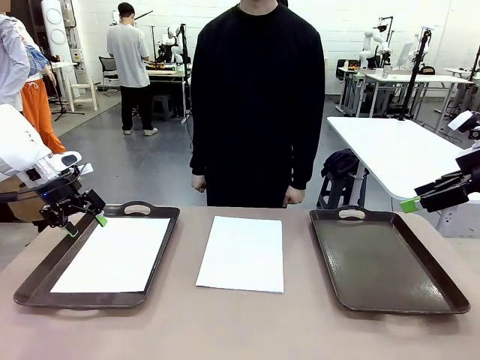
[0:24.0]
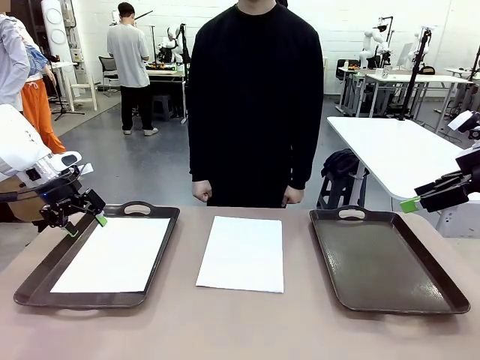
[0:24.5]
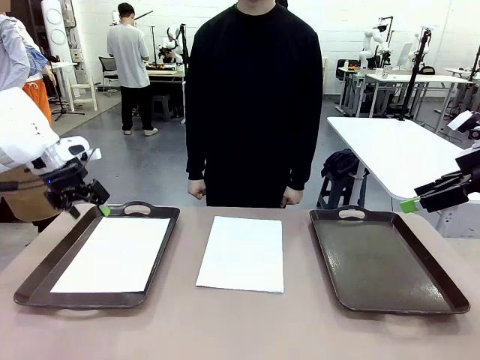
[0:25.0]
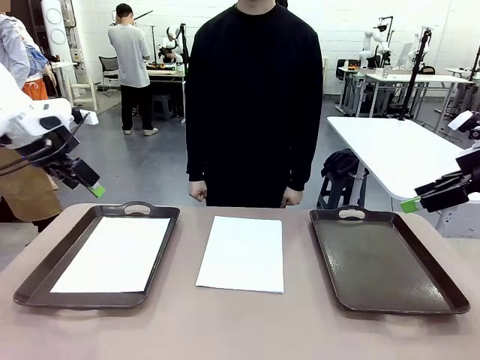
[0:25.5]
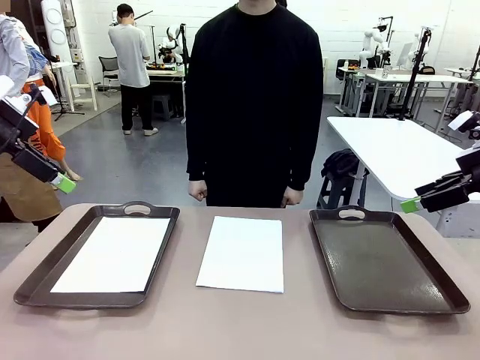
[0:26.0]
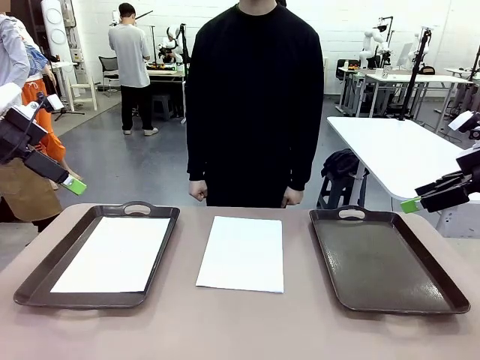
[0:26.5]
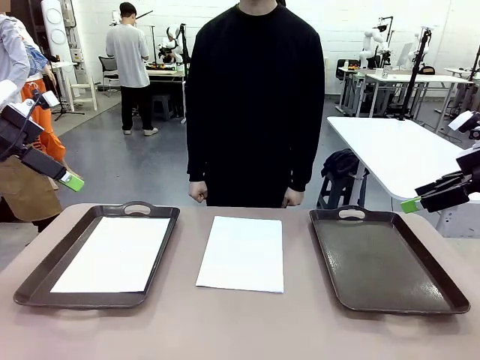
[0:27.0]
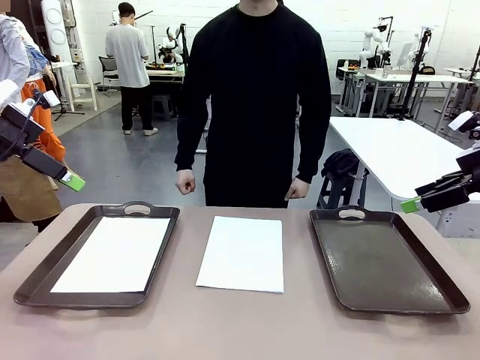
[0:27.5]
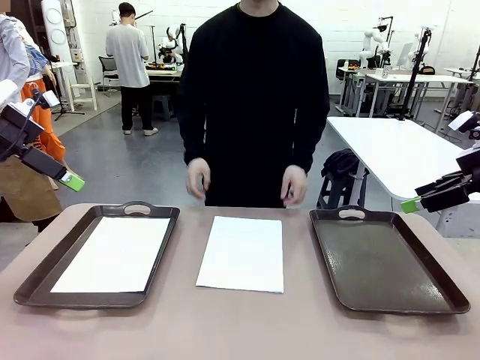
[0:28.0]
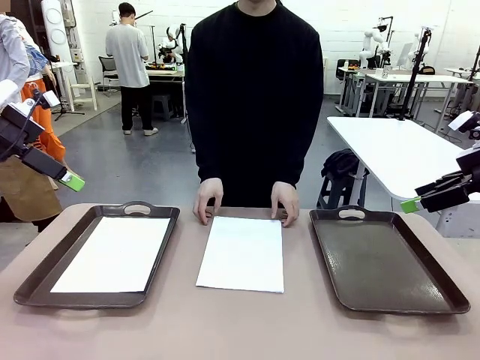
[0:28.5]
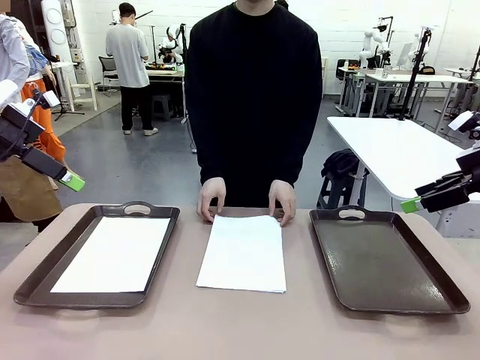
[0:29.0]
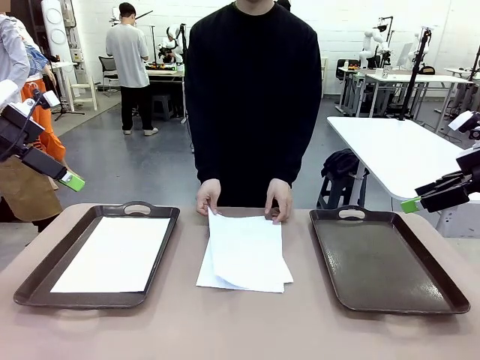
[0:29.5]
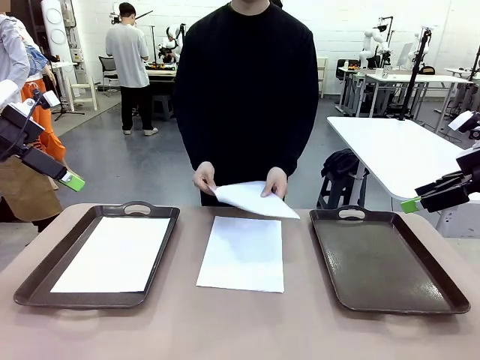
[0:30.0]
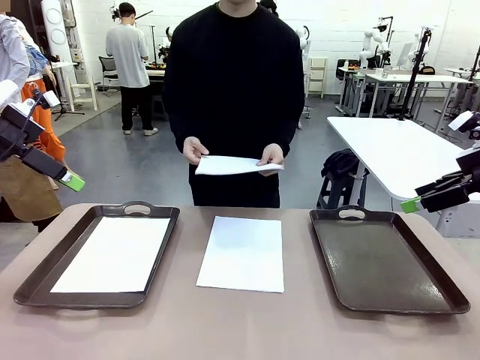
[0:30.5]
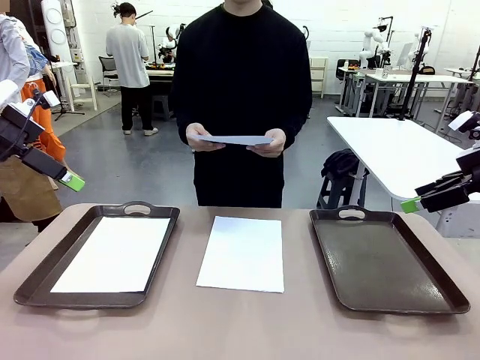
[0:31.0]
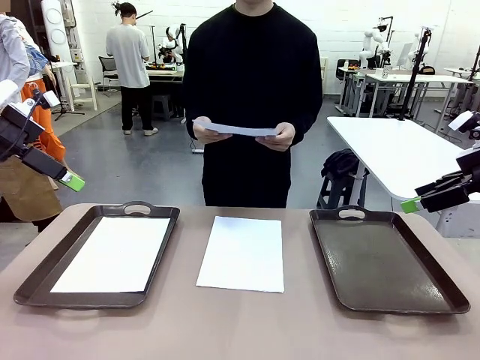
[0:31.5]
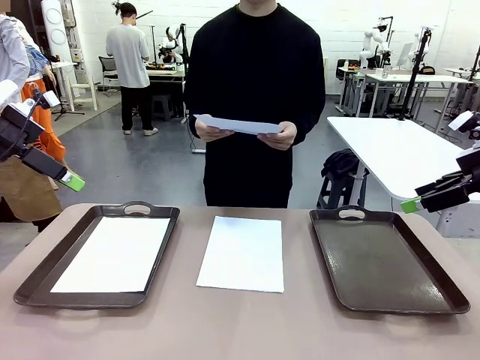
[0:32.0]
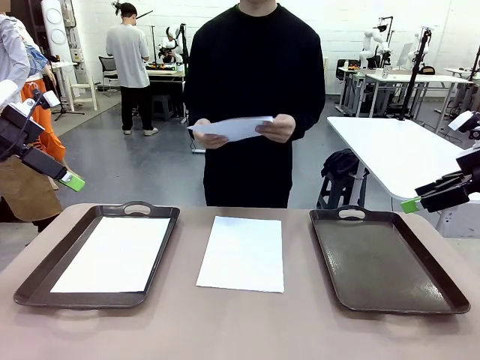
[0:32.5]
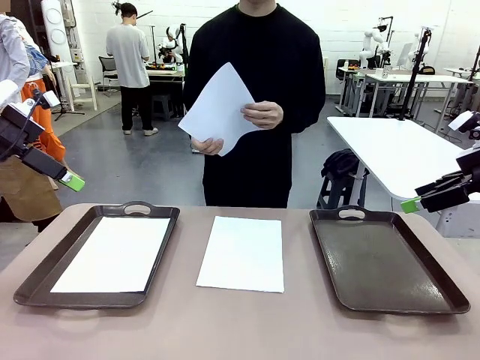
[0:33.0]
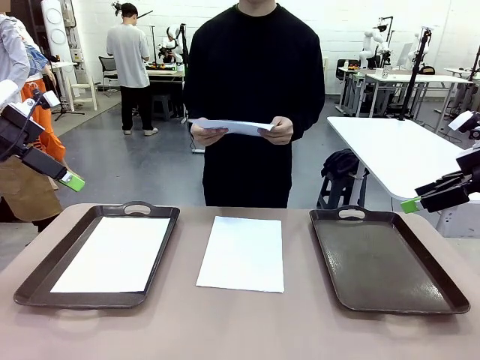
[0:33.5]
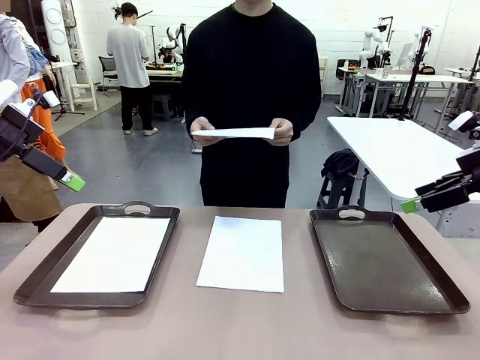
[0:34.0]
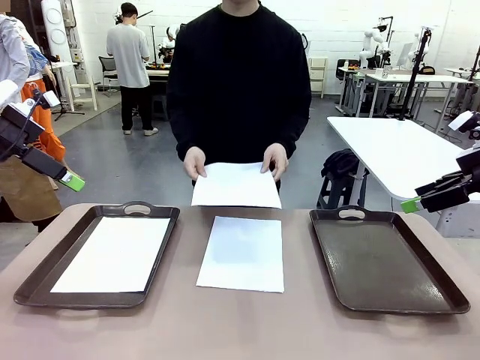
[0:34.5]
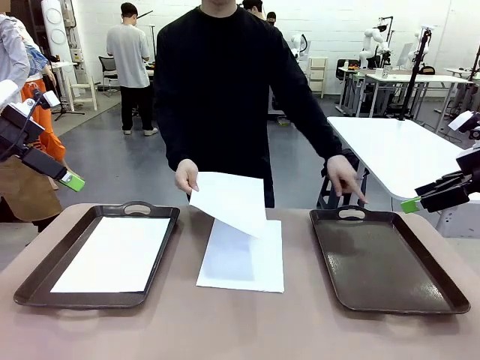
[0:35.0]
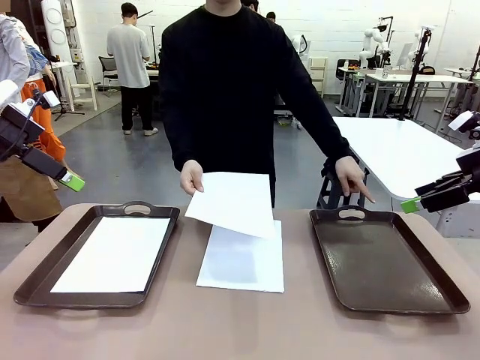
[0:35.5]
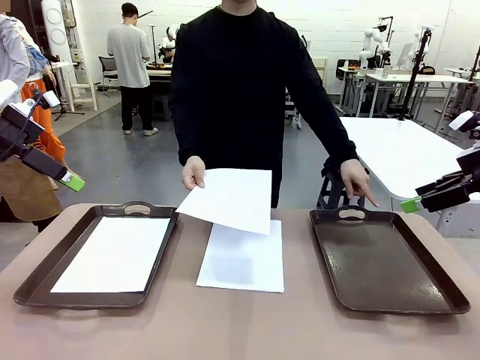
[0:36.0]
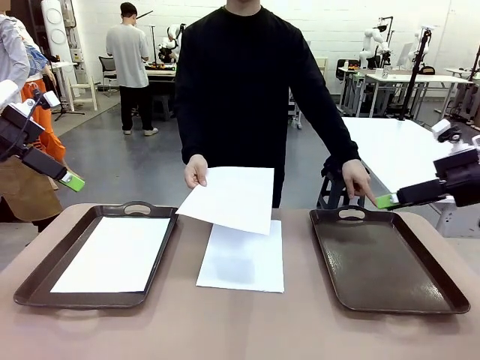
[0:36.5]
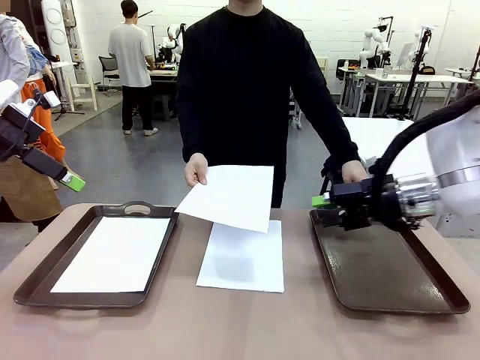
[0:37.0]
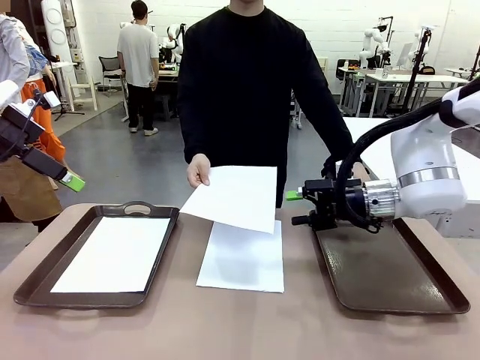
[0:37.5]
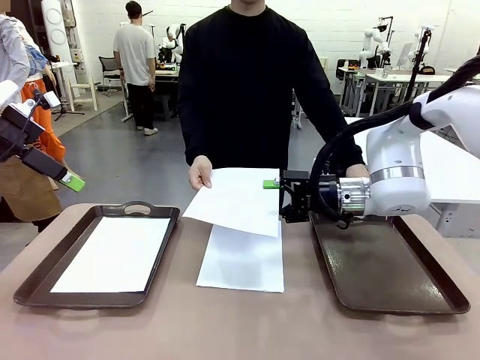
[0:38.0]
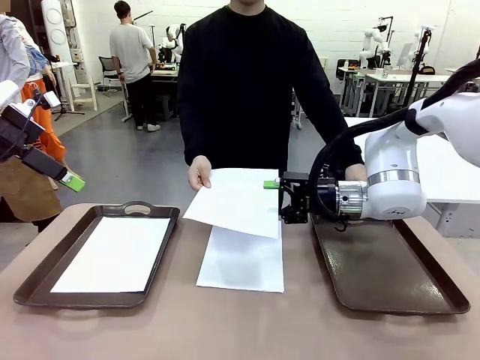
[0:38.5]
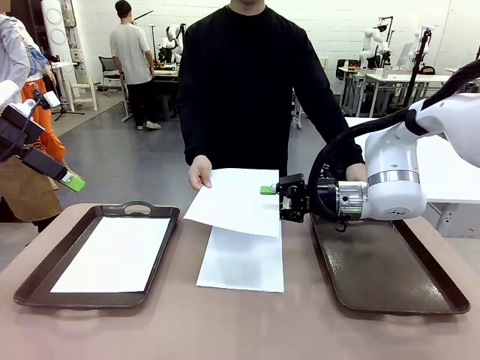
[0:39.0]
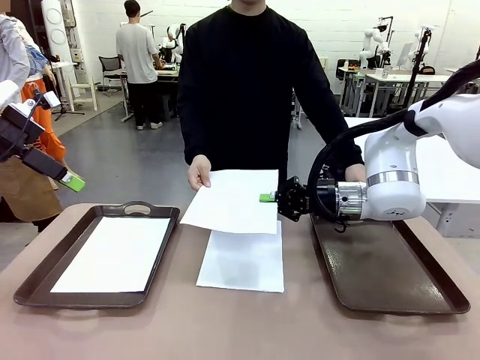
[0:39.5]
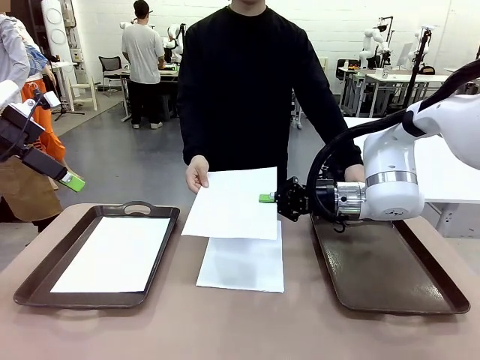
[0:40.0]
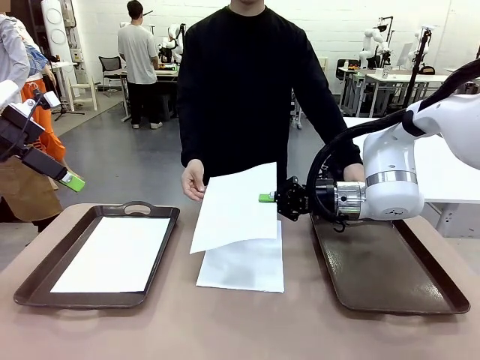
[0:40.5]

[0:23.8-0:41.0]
Task: Sort the A4 documents.
Robot: Receive the A4 Paper.
Person: Point the randomly selected tray with the other hand.

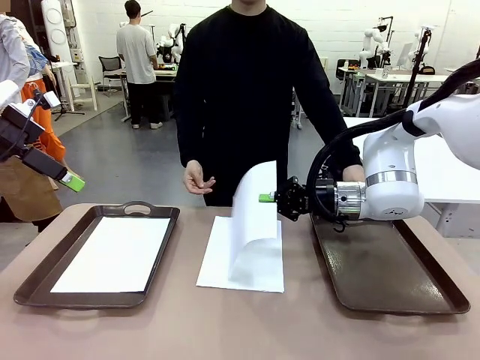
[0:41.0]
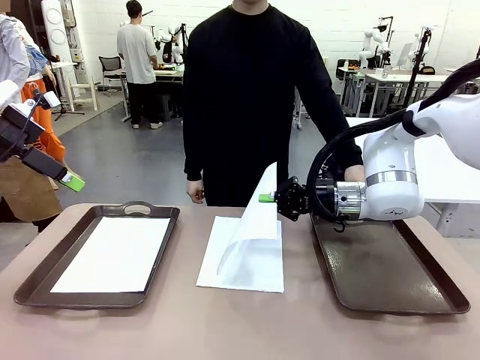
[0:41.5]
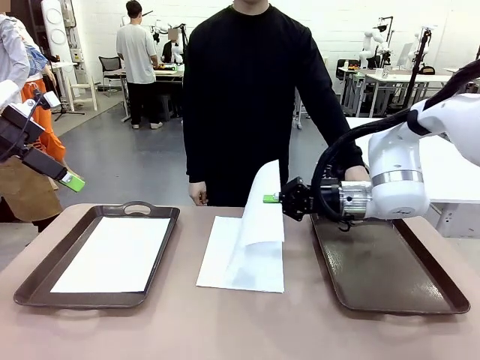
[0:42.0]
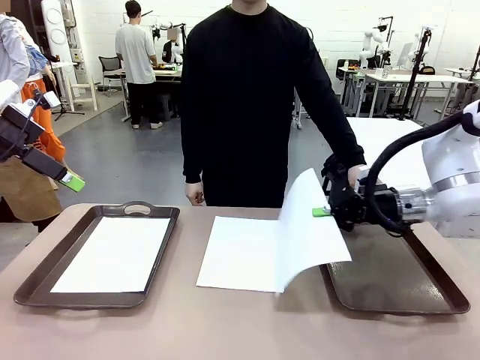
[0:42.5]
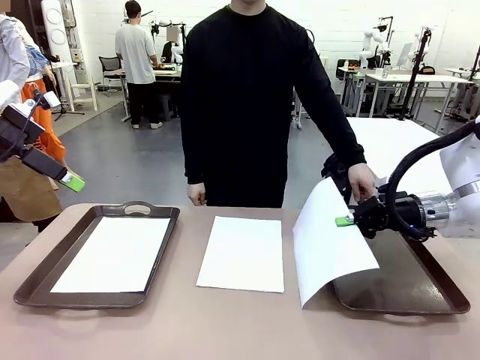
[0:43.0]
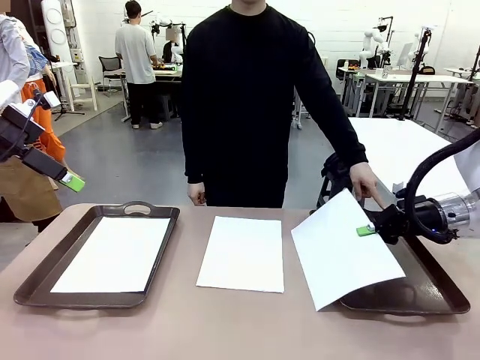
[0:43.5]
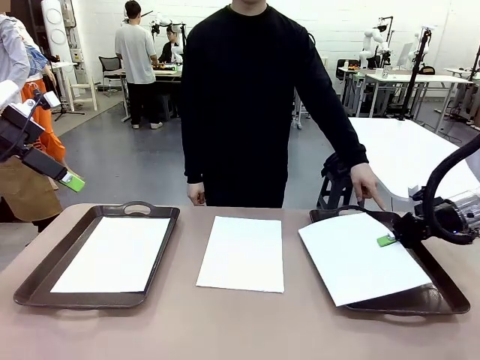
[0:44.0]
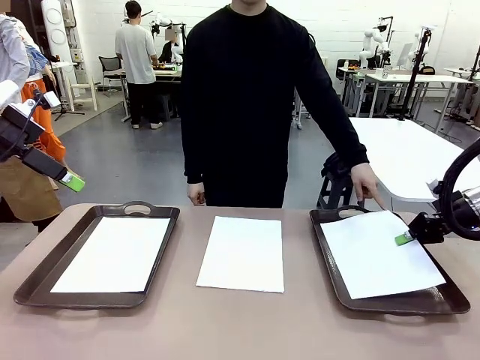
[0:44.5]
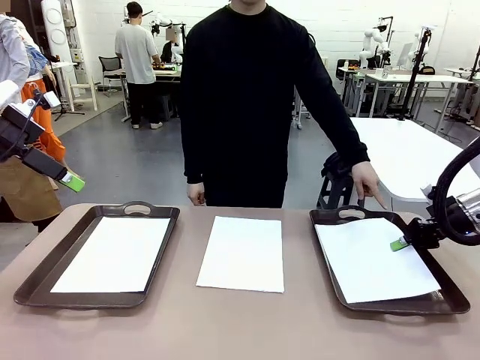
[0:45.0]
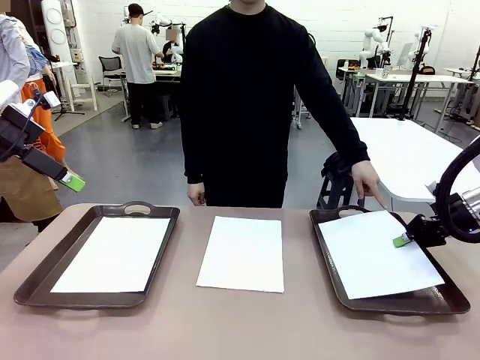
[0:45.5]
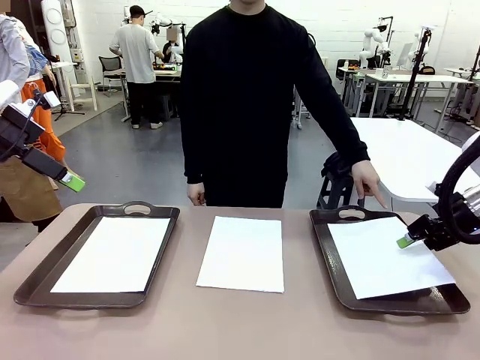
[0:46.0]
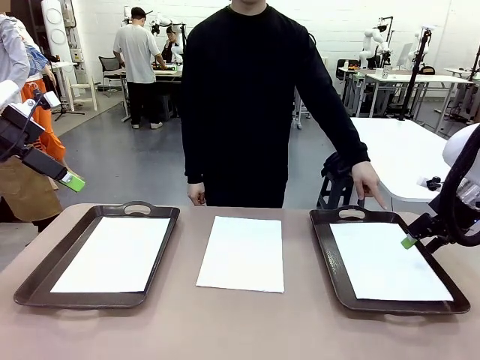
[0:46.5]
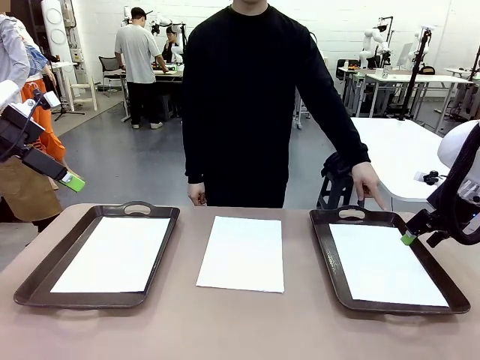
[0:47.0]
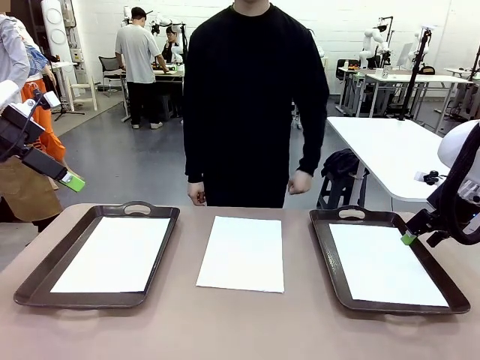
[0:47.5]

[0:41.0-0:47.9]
Robot: Place the A4 Paper in the designated Handle tray.

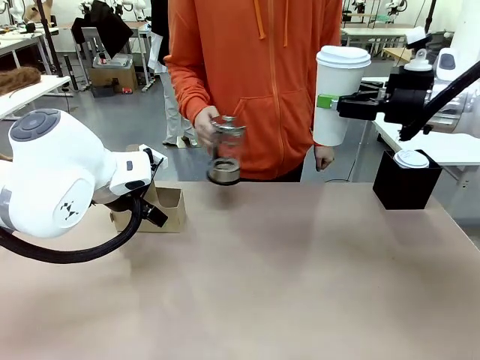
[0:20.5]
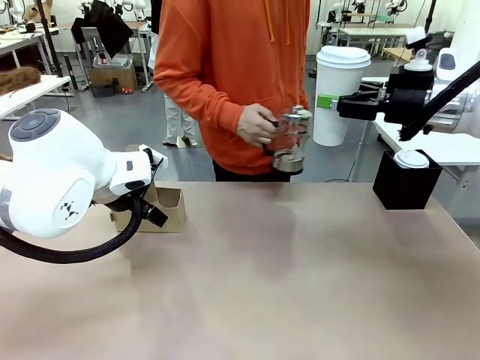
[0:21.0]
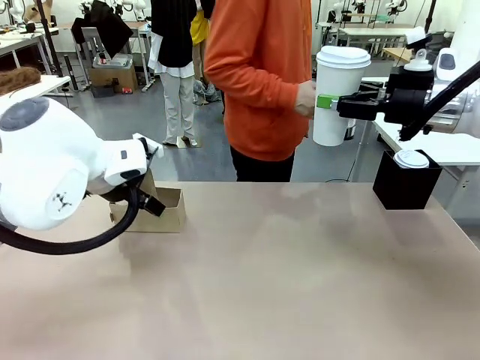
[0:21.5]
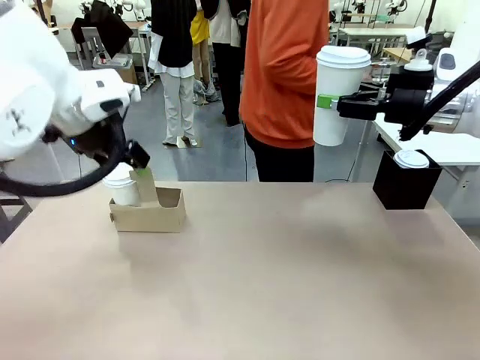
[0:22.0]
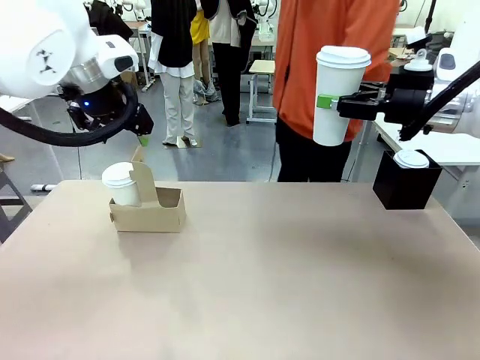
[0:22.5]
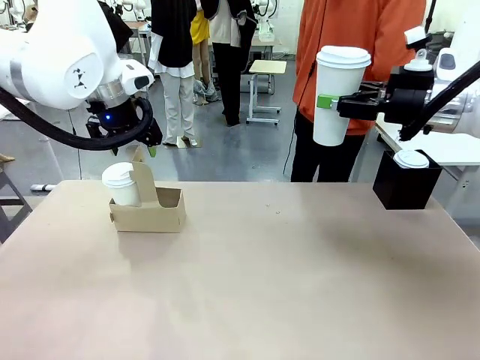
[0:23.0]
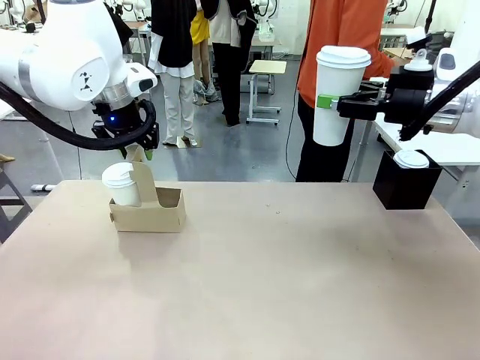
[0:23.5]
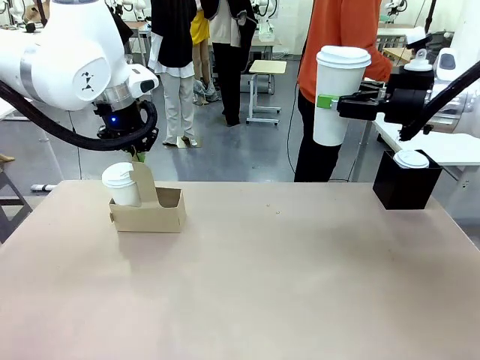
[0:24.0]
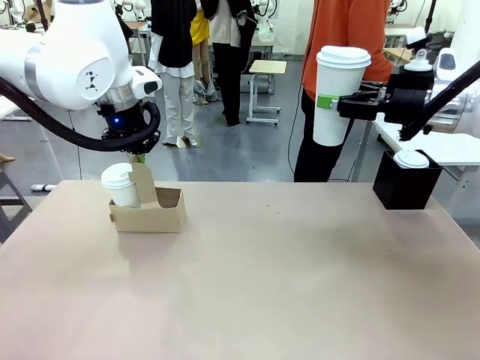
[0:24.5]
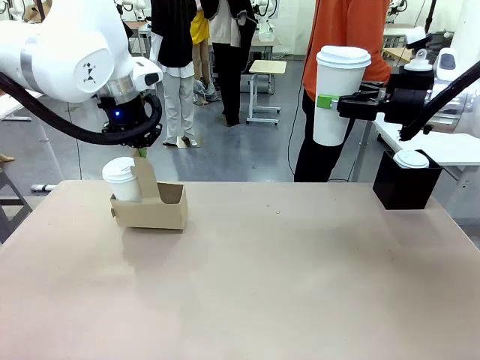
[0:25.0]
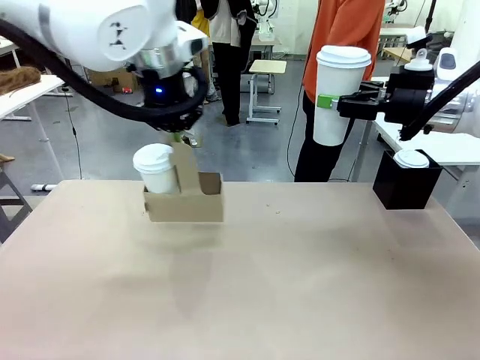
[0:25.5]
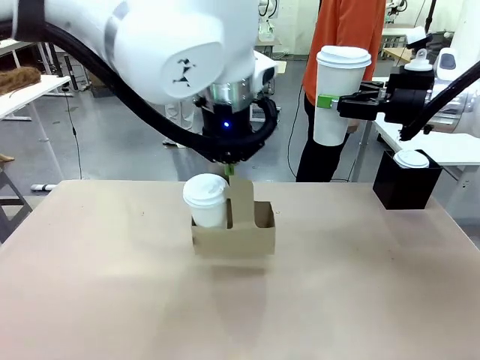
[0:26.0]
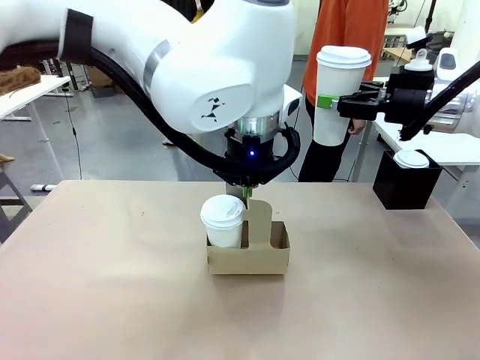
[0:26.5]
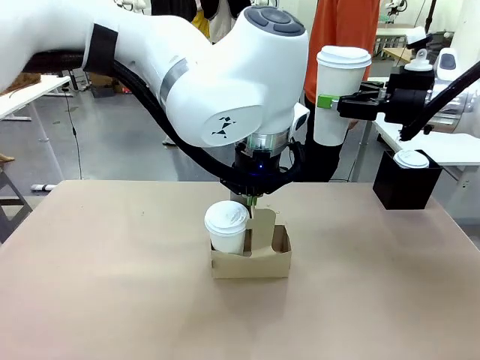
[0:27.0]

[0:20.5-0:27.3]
Task: Pour a drink into a cup and package it in a carrier.
Robot: Position the Cup Carrier in the center of the table.
